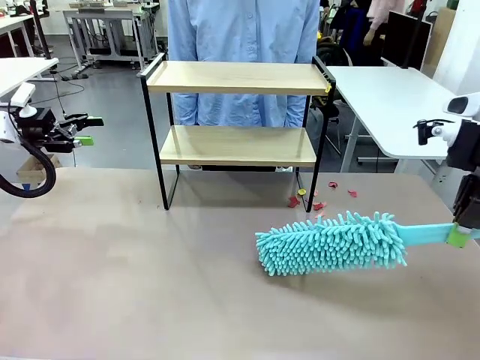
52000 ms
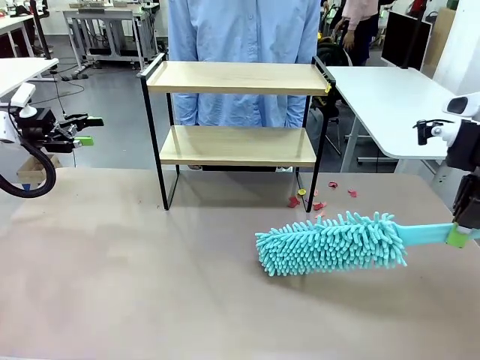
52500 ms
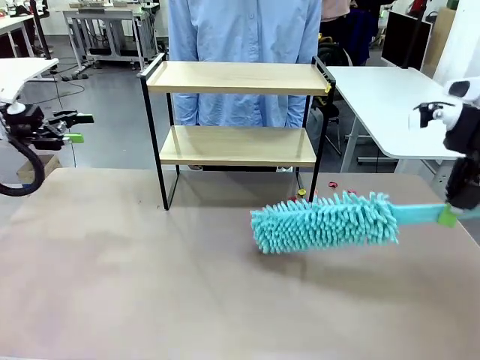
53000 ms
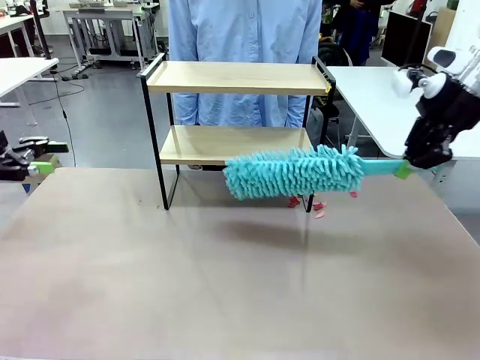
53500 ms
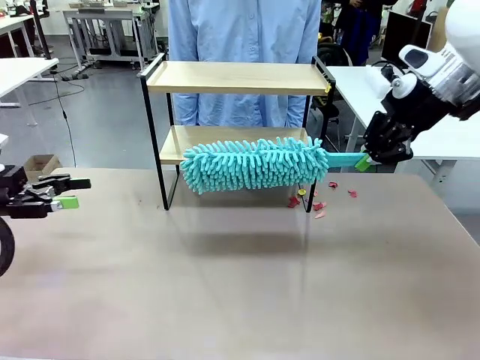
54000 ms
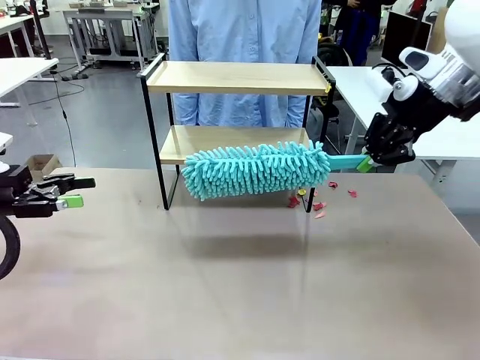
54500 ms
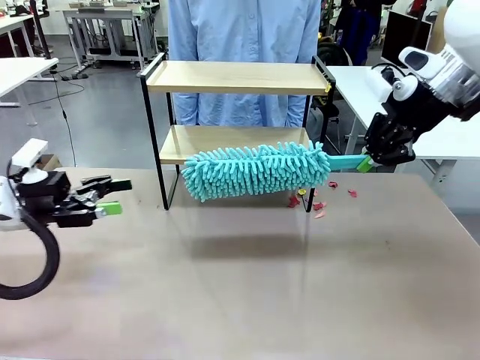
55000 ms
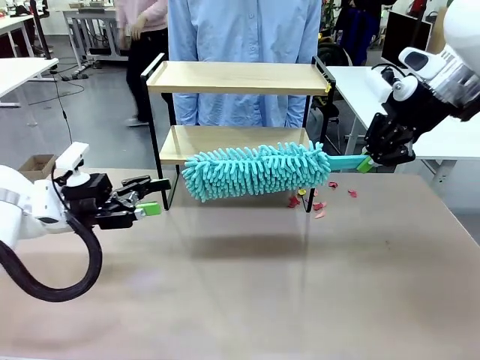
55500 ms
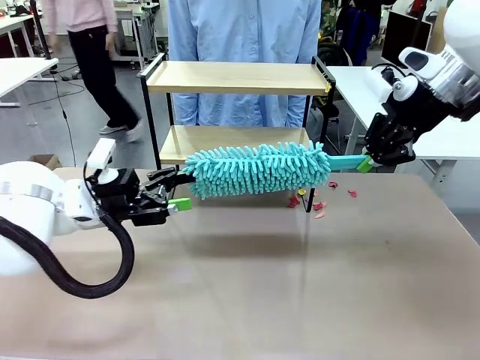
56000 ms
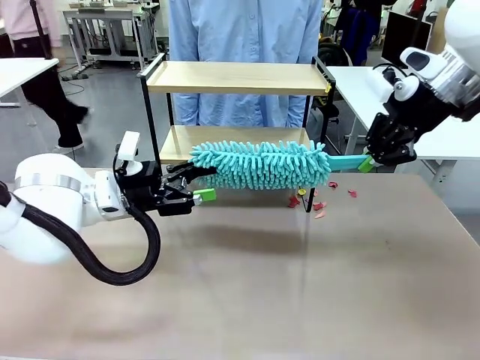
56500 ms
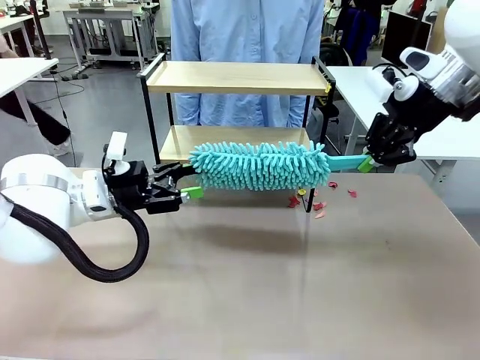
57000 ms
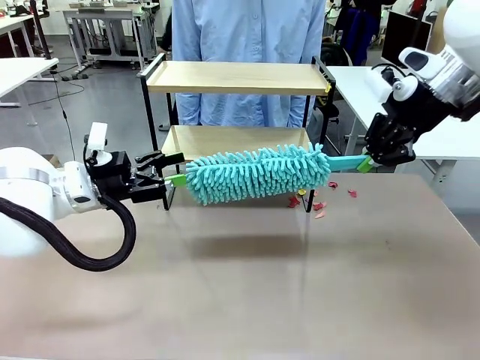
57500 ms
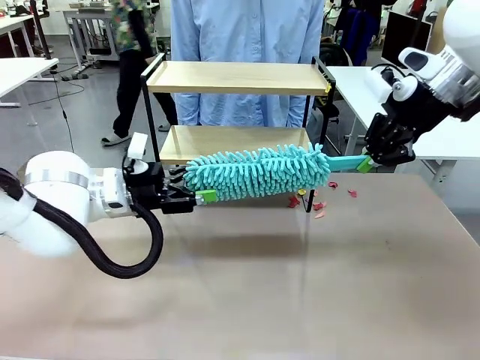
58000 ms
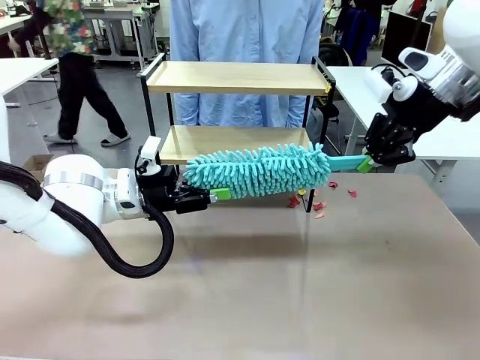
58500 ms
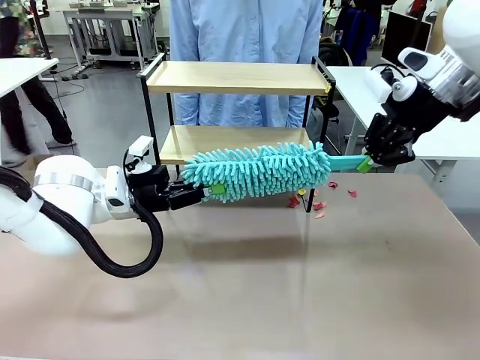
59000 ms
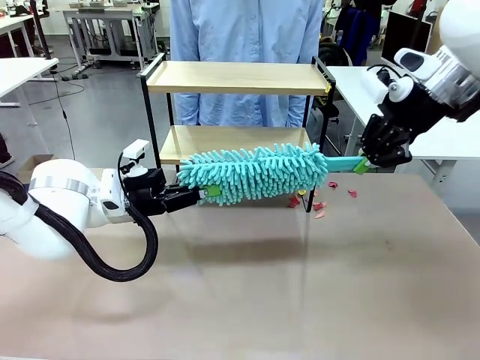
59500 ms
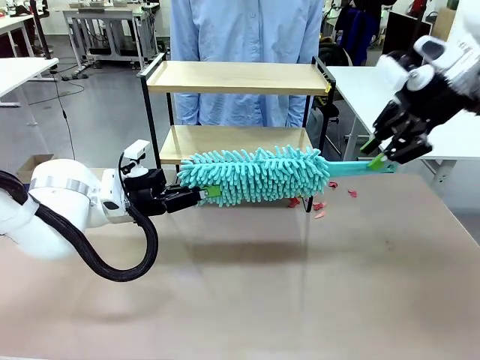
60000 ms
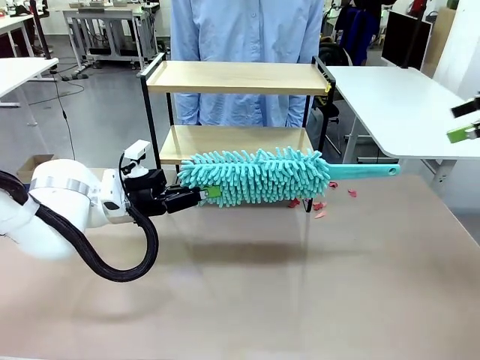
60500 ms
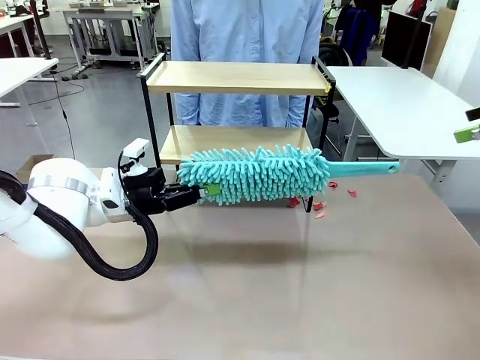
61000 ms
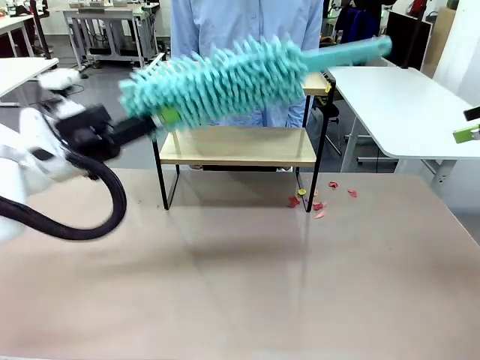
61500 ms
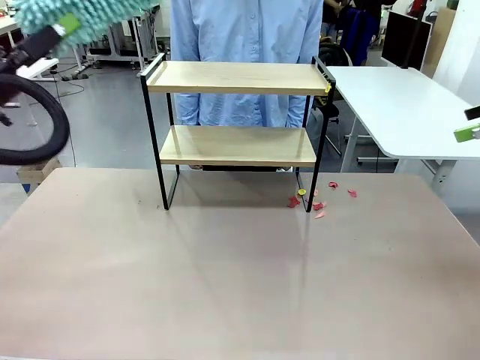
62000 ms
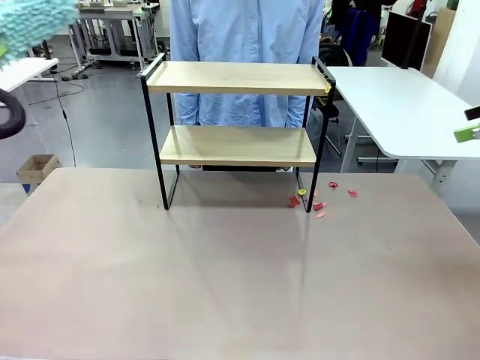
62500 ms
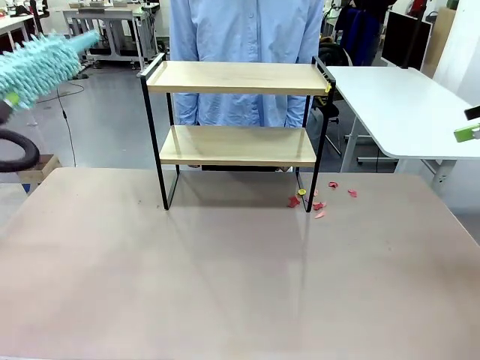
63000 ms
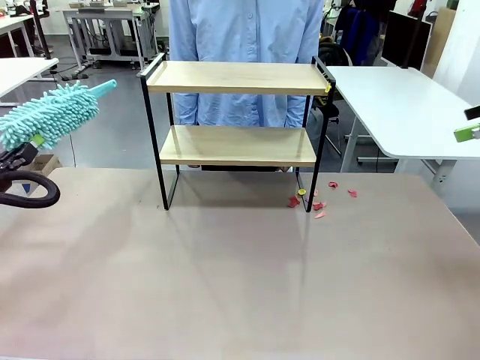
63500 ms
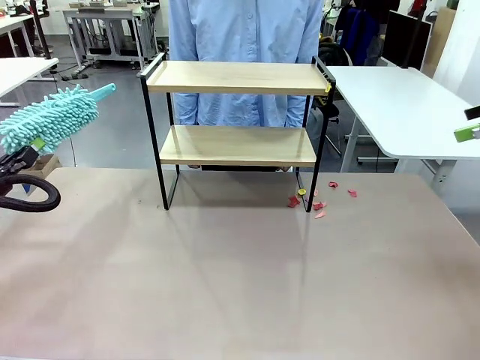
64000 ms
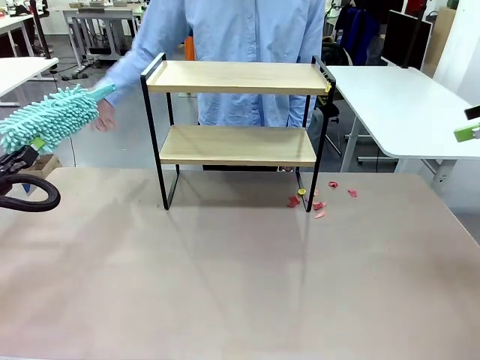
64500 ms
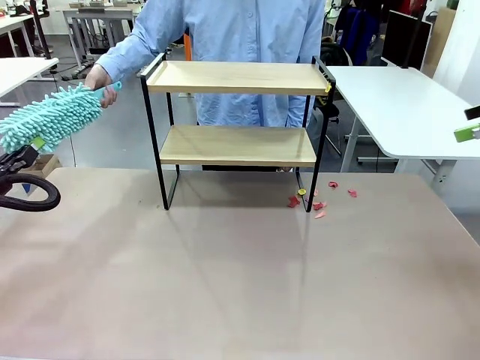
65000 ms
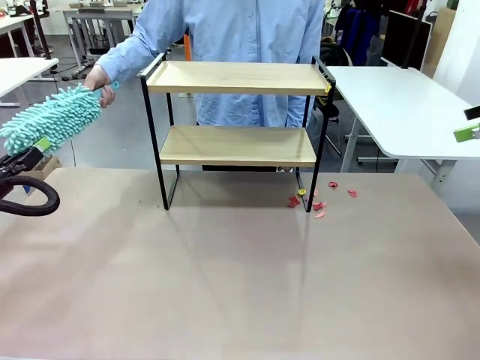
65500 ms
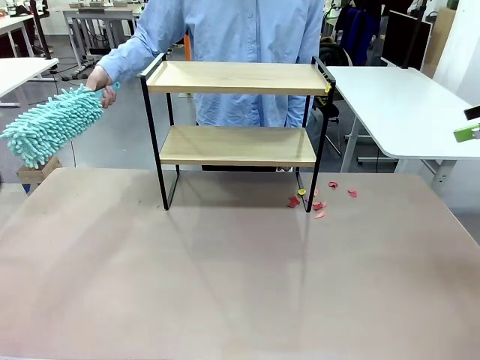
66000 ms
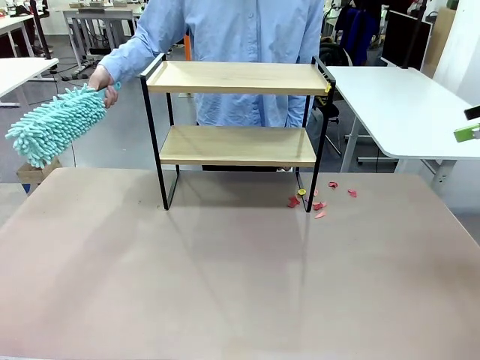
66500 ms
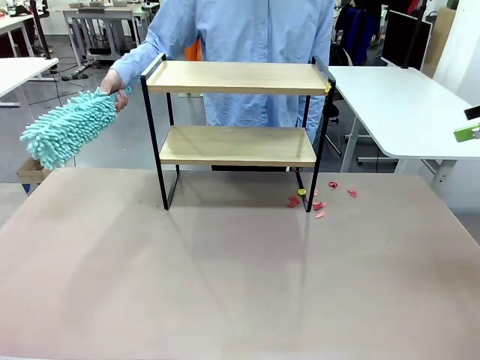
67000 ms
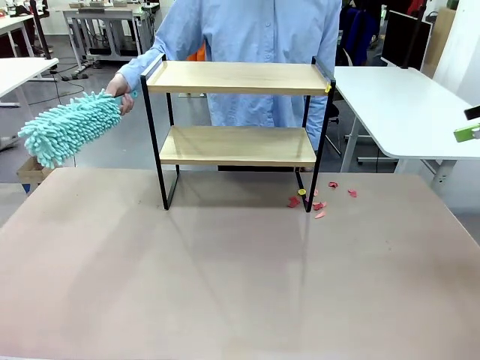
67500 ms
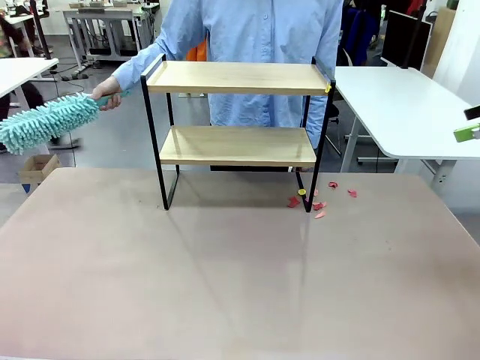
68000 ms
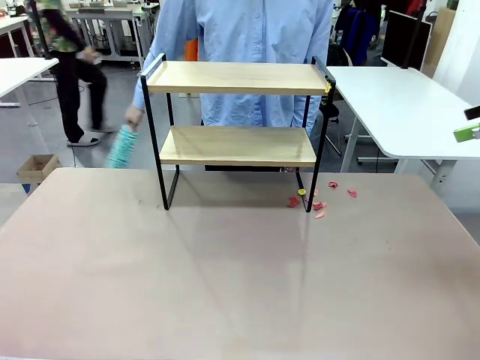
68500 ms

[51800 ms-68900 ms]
Task: Clean the shelf.
Robot: Hand the Duster back to the human.
Person: Receive the Duster from the robot.

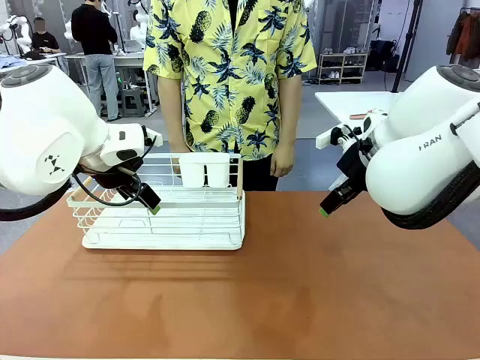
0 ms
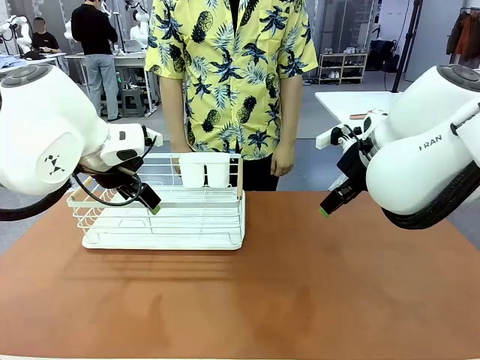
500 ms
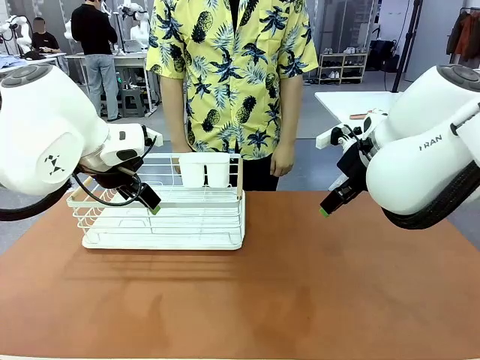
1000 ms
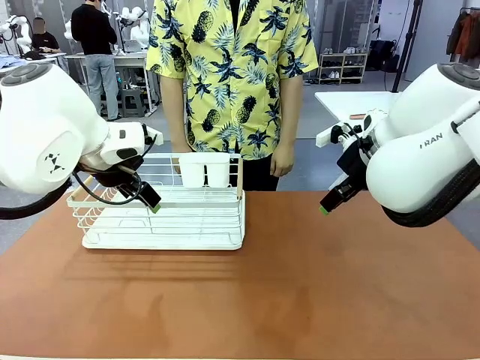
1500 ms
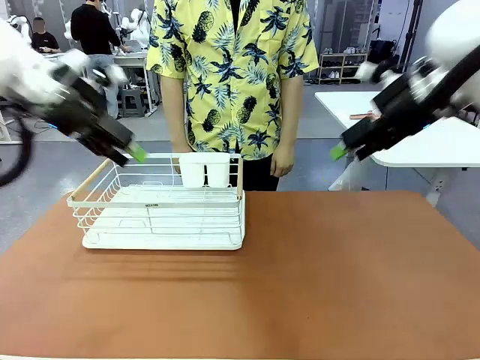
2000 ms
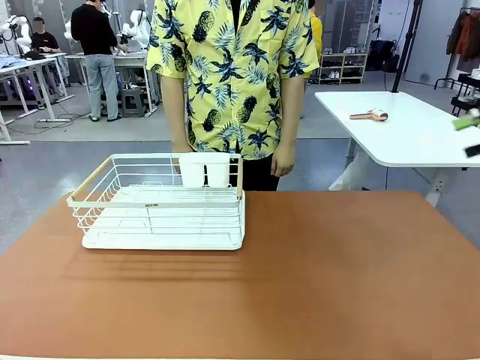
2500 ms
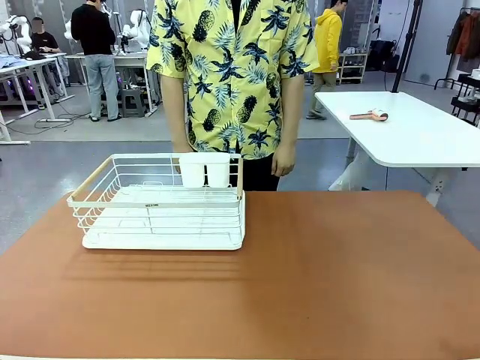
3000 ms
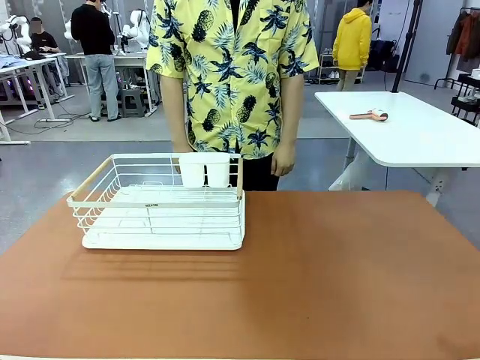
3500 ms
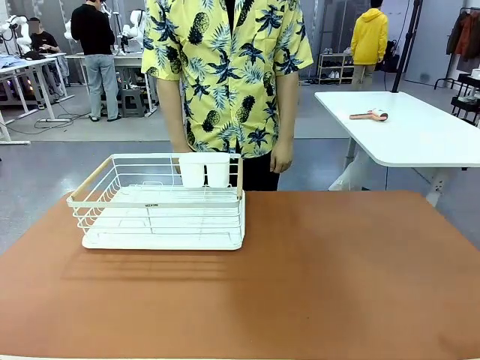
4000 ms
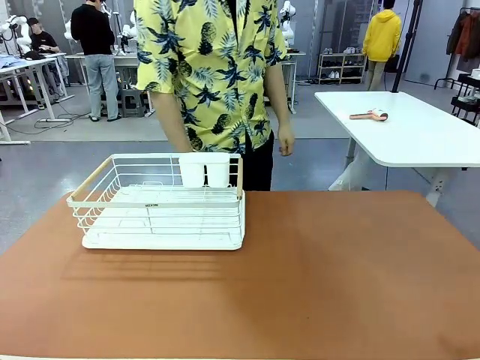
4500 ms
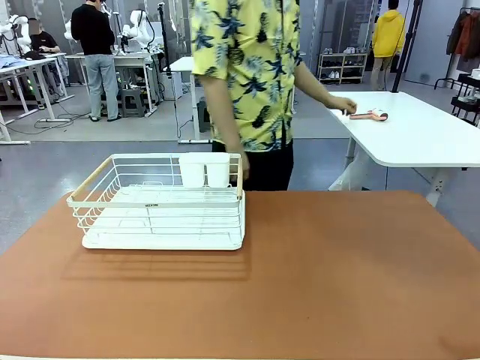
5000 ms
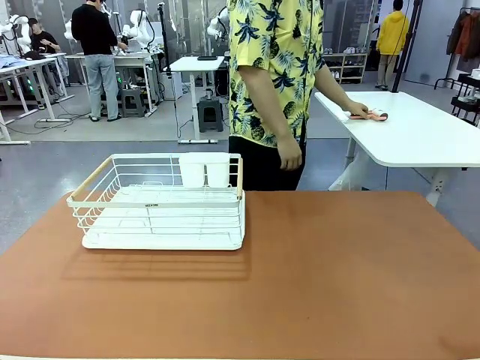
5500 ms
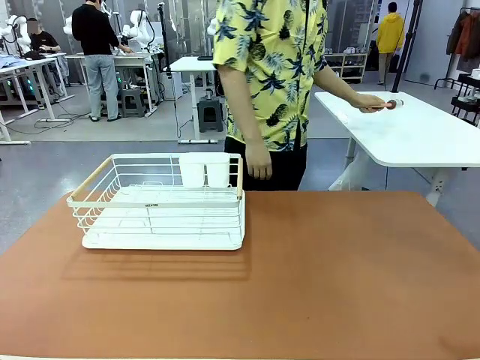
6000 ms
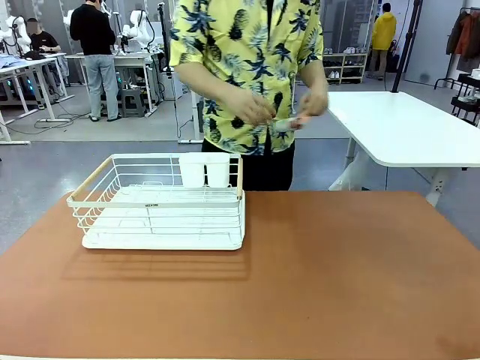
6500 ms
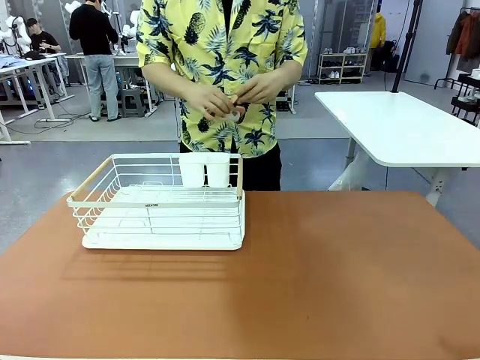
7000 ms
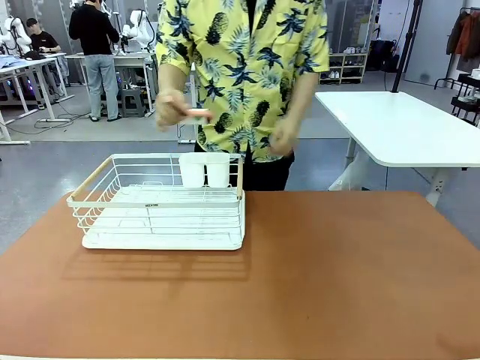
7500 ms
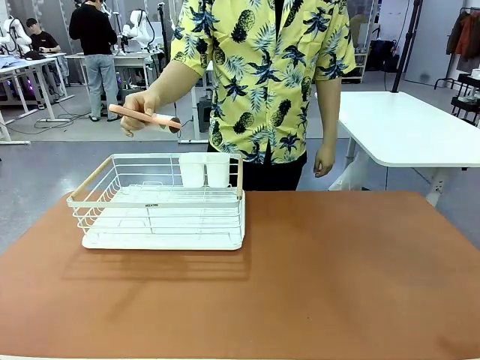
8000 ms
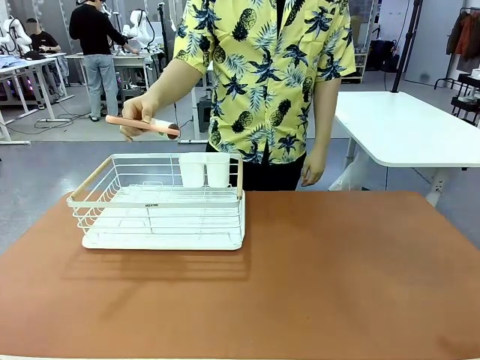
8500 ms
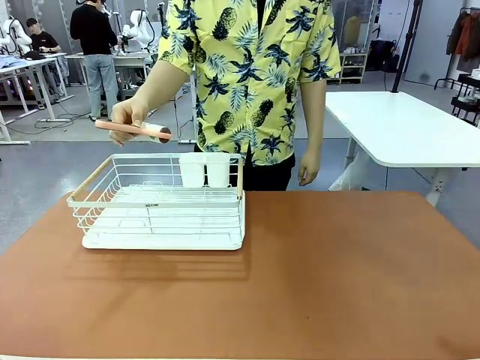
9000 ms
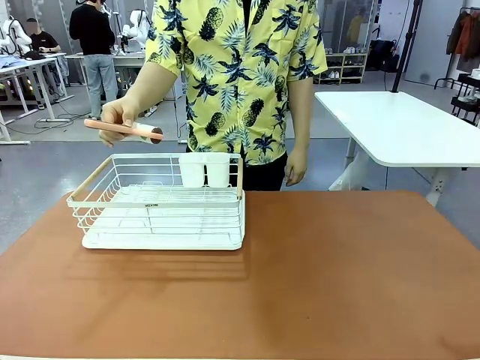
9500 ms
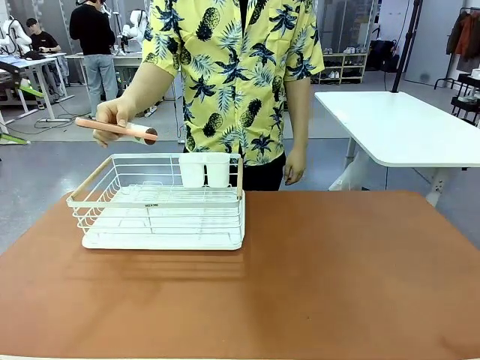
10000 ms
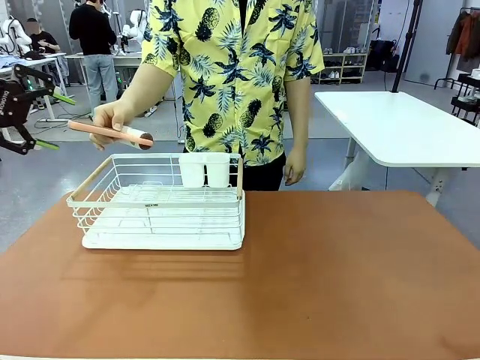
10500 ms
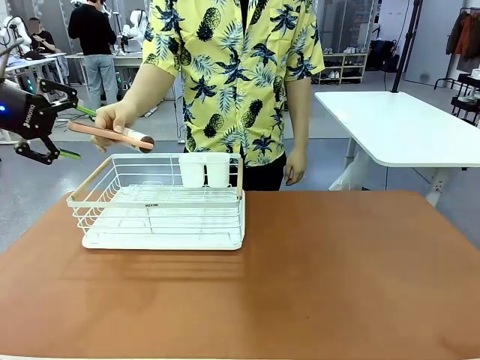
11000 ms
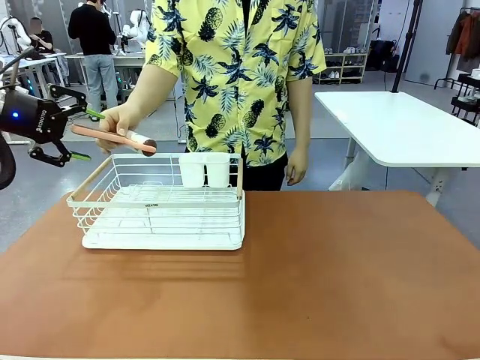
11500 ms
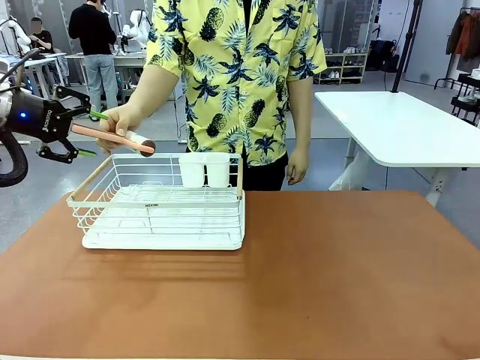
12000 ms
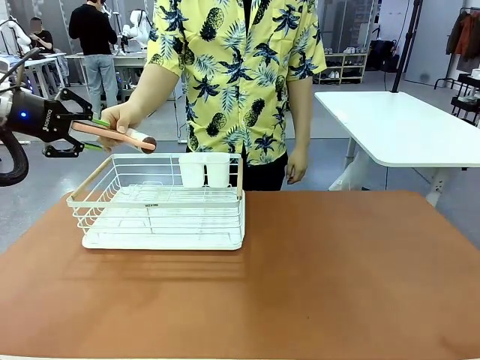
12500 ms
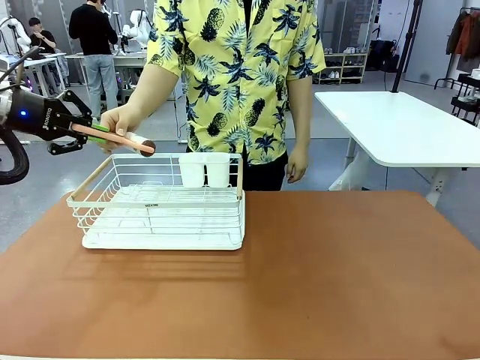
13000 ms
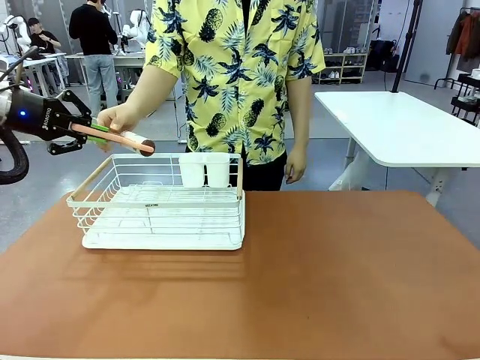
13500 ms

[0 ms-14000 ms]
Task: Clean the table.
Robot: Pick up the Lint Roller when the human hands it over.
Person: Hand the Lint Roller to the robot so it can easily pick it up. Lift the Dish drying rack.
